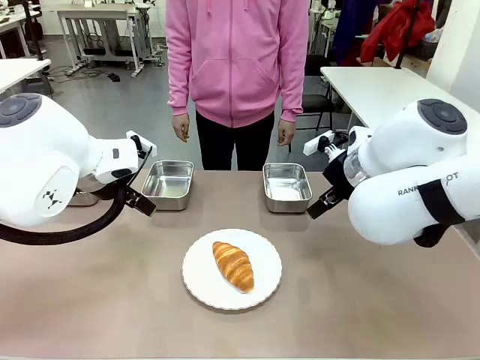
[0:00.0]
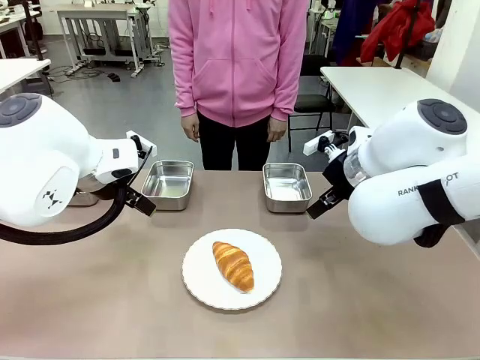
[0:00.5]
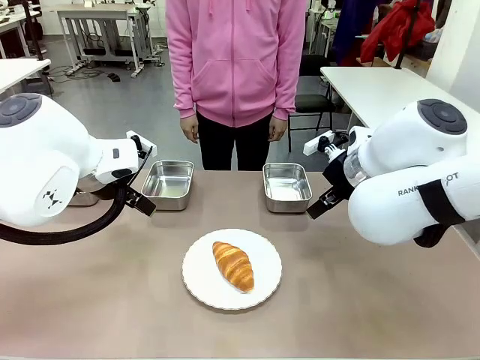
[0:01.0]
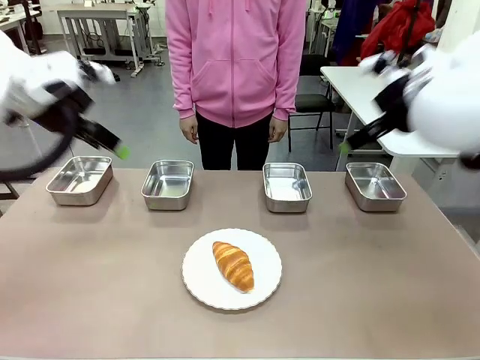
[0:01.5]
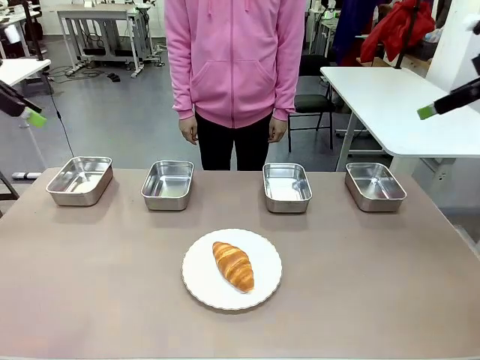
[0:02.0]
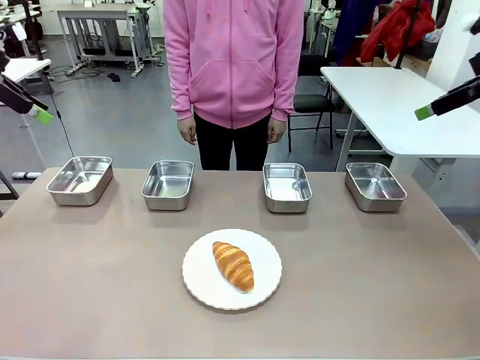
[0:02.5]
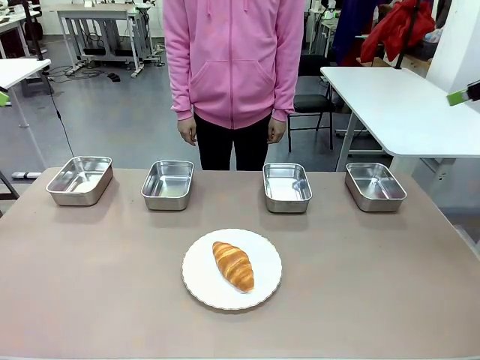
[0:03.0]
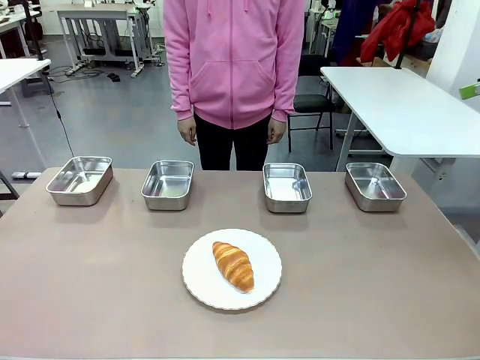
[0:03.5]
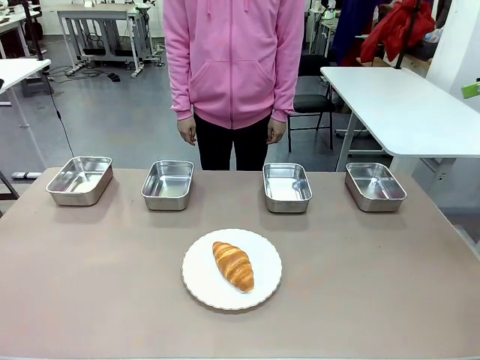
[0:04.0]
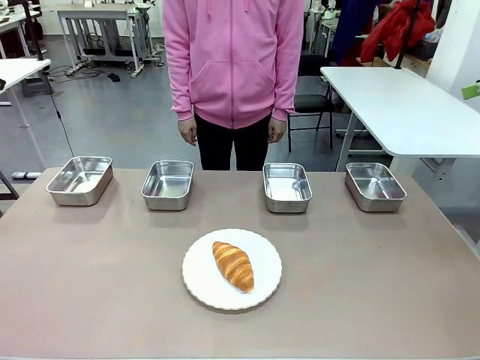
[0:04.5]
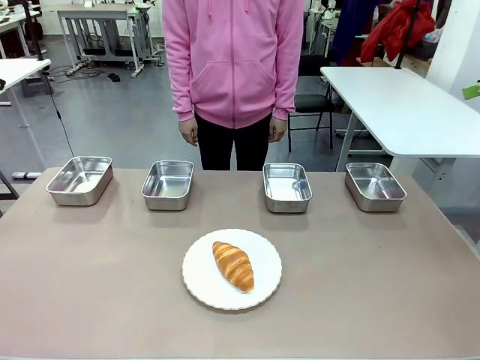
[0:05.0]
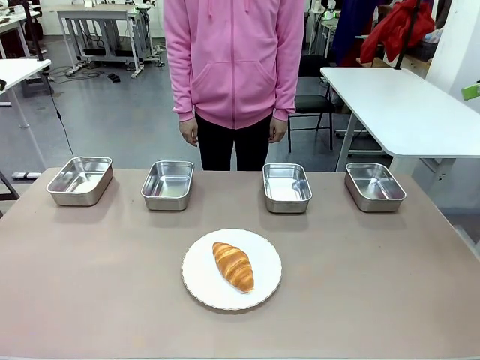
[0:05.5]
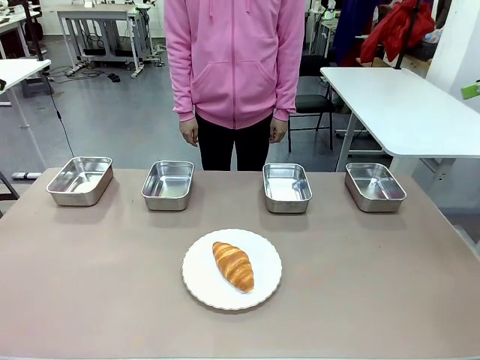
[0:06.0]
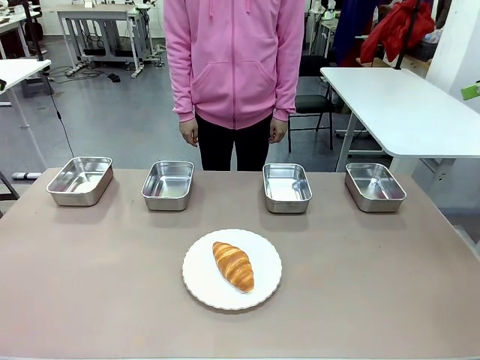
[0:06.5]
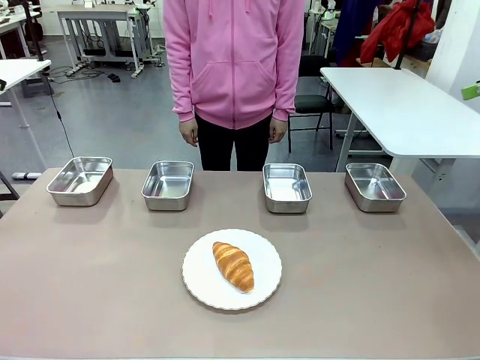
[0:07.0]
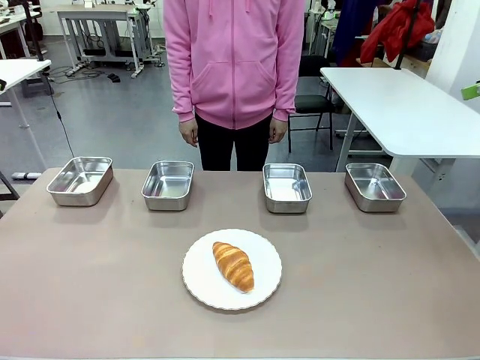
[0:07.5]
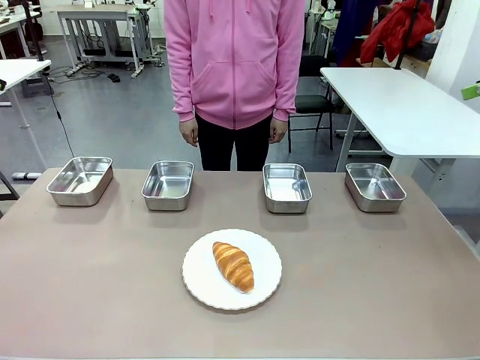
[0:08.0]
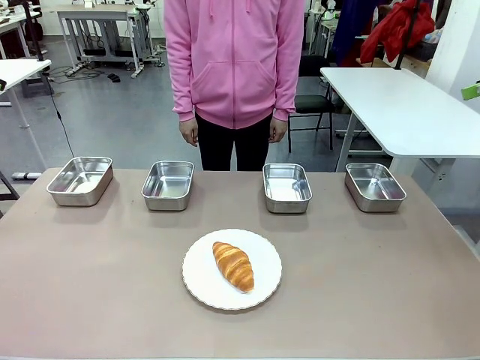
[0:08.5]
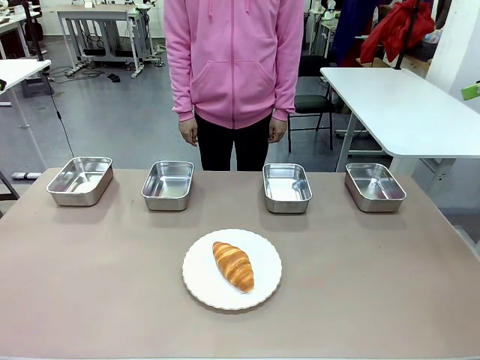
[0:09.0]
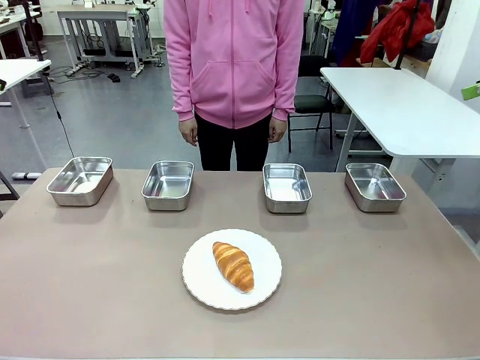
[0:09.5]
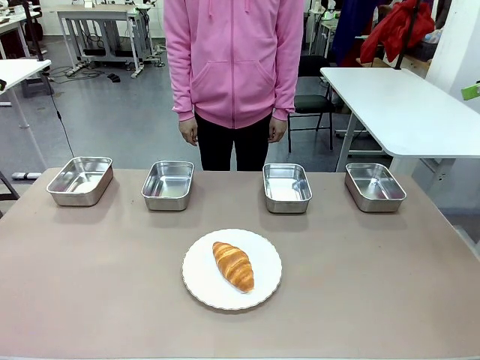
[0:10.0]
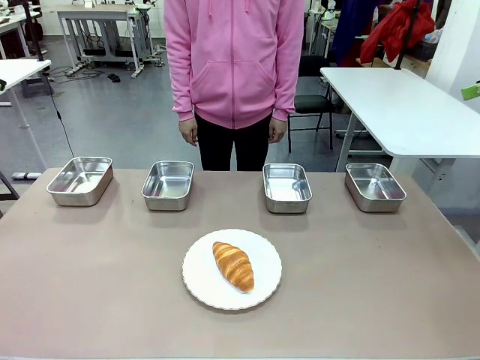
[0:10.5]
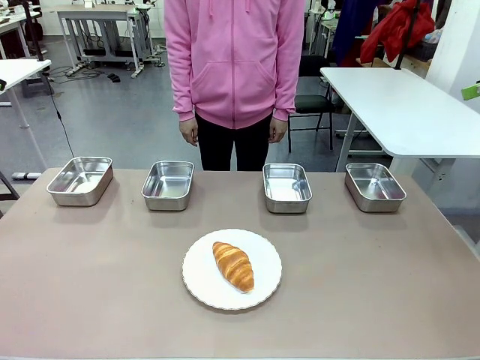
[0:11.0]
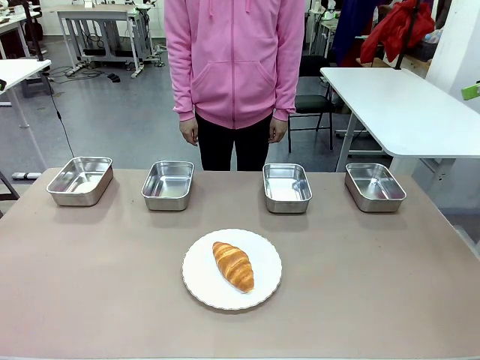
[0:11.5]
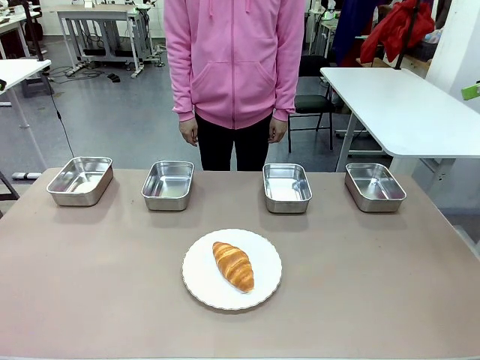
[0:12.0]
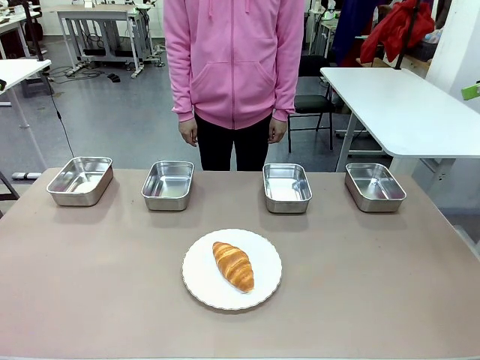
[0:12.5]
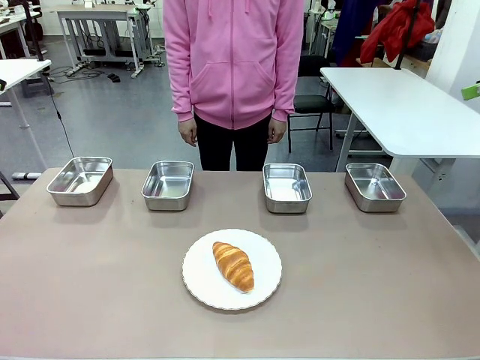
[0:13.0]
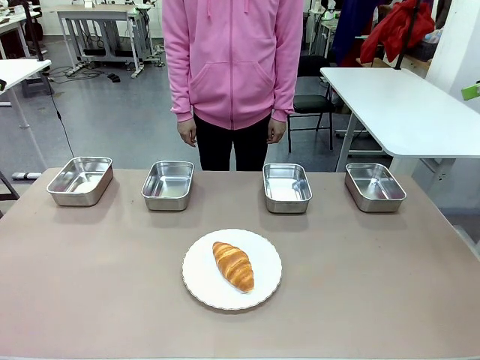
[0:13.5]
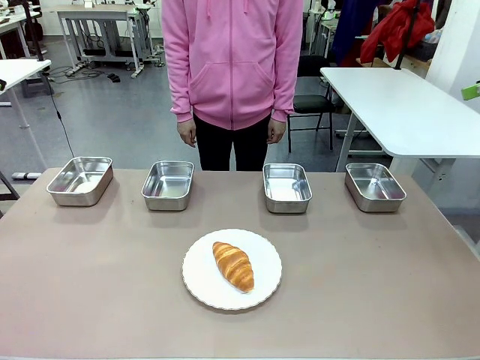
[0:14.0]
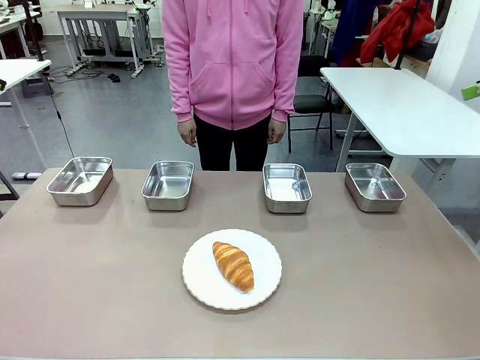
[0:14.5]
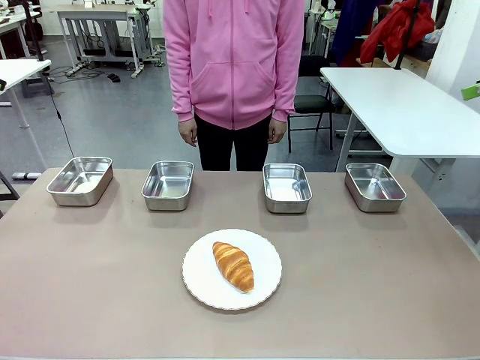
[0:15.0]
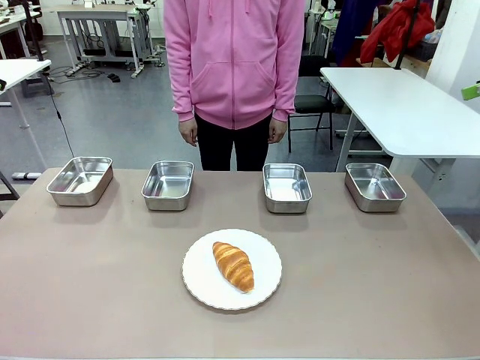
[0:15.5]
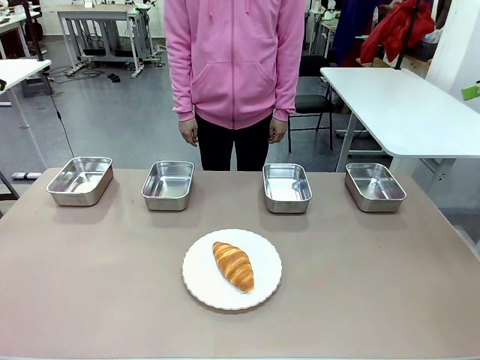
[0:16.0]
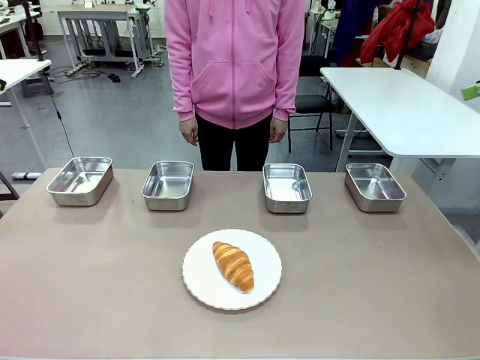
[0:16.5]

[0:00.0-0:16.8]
Task: Place the bread in the container.
Robot: Place the Butter Roll into the Airtight Container indicated by the human.
